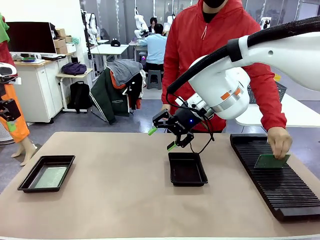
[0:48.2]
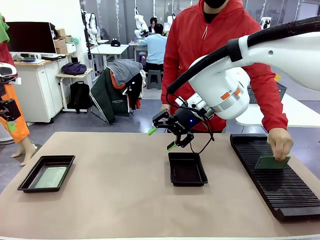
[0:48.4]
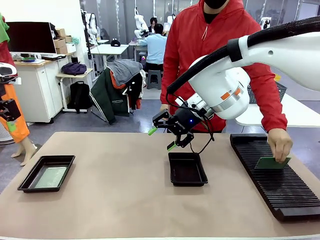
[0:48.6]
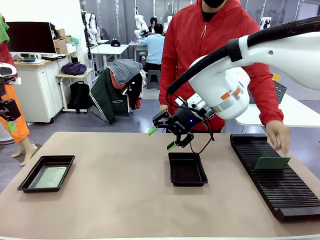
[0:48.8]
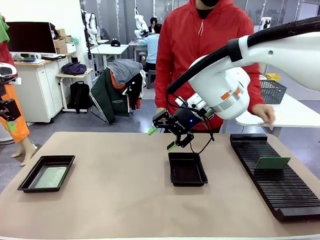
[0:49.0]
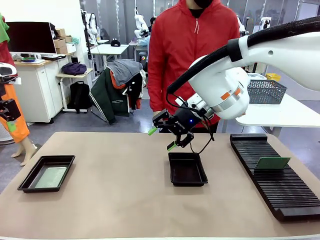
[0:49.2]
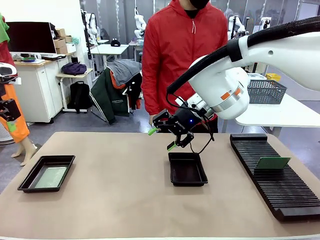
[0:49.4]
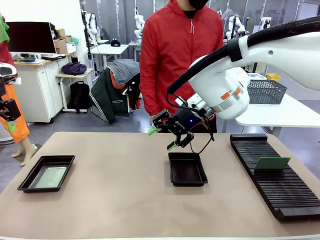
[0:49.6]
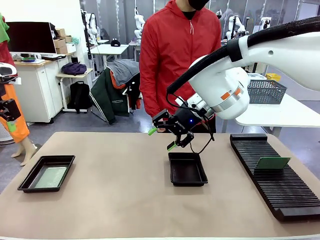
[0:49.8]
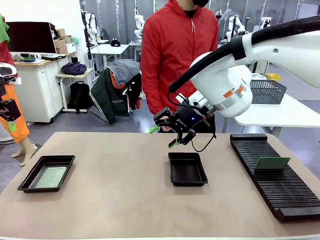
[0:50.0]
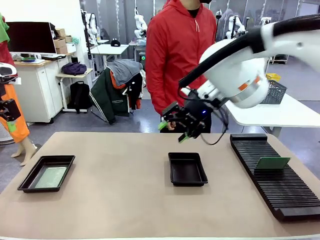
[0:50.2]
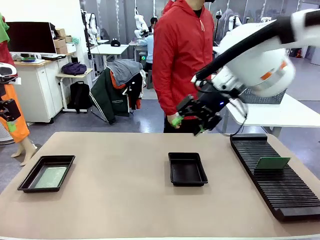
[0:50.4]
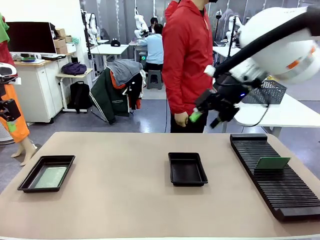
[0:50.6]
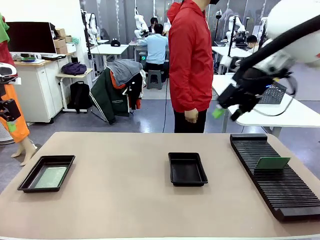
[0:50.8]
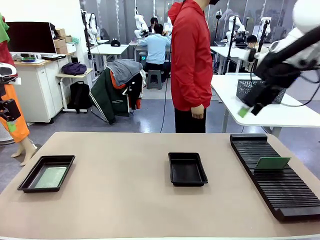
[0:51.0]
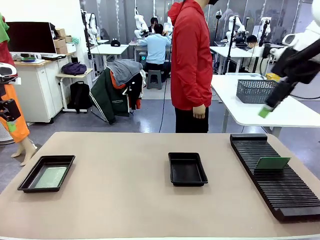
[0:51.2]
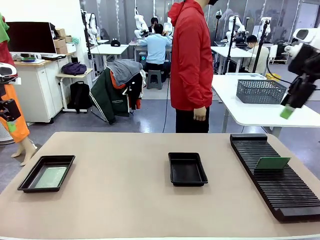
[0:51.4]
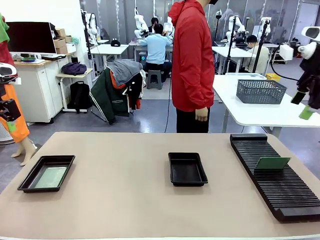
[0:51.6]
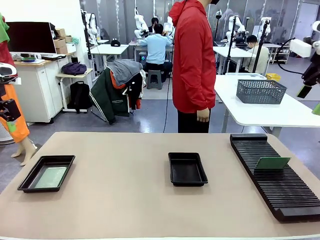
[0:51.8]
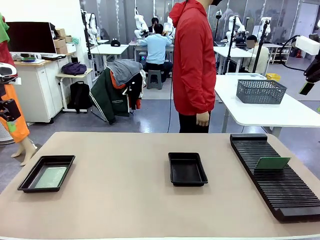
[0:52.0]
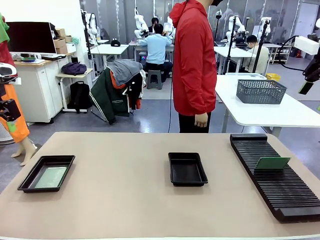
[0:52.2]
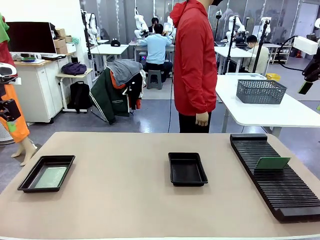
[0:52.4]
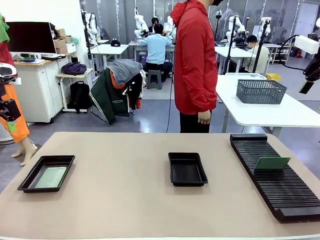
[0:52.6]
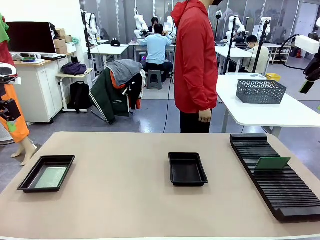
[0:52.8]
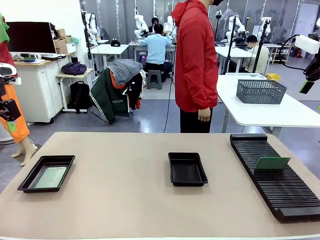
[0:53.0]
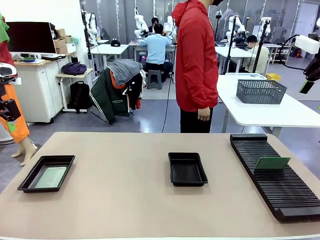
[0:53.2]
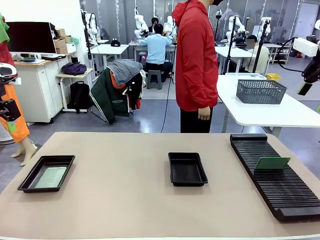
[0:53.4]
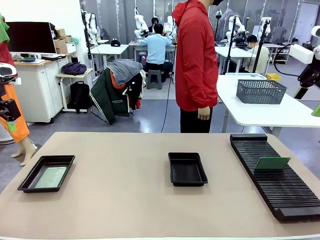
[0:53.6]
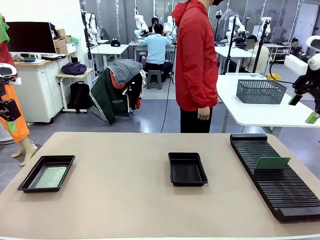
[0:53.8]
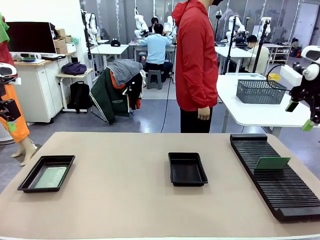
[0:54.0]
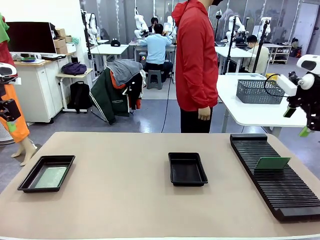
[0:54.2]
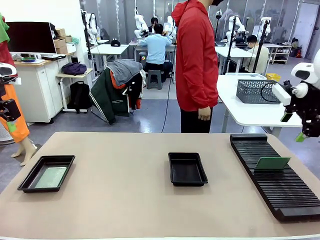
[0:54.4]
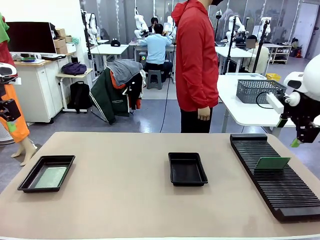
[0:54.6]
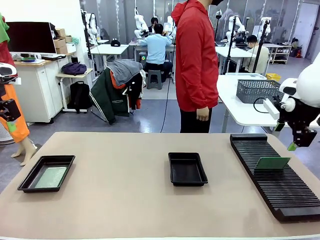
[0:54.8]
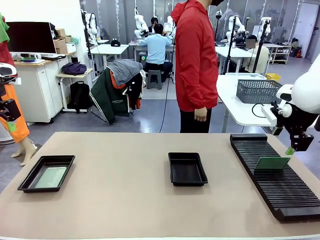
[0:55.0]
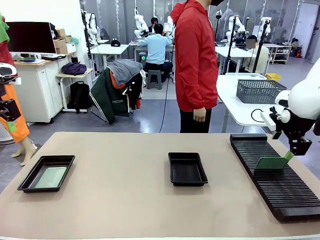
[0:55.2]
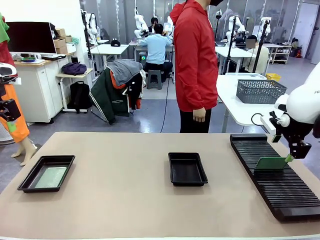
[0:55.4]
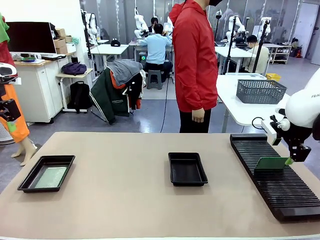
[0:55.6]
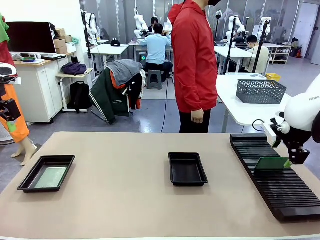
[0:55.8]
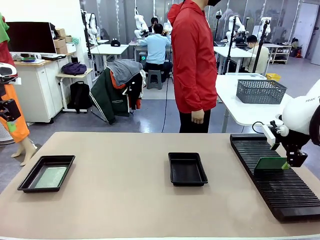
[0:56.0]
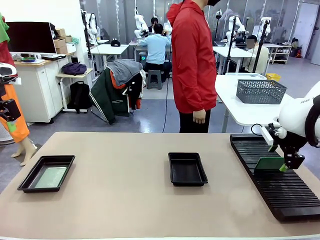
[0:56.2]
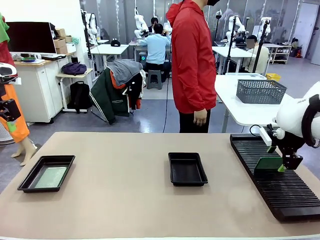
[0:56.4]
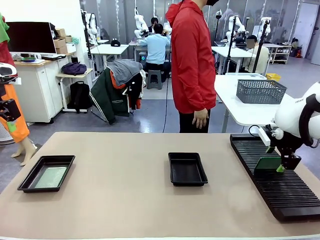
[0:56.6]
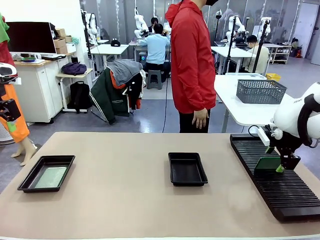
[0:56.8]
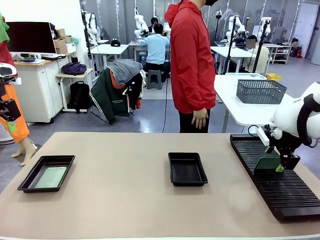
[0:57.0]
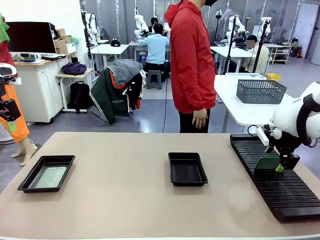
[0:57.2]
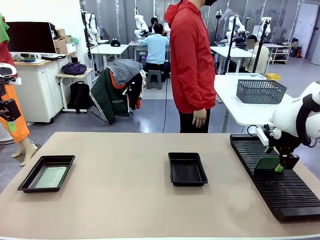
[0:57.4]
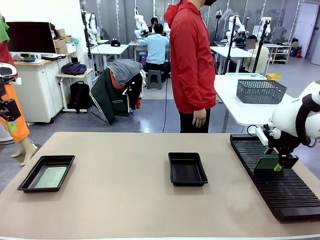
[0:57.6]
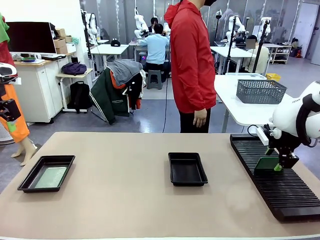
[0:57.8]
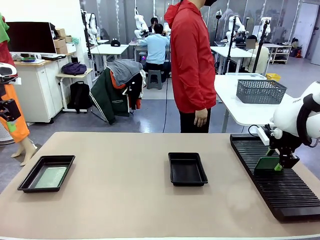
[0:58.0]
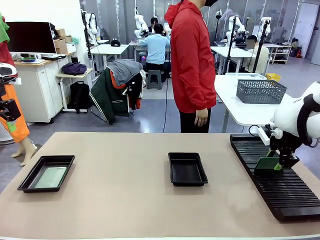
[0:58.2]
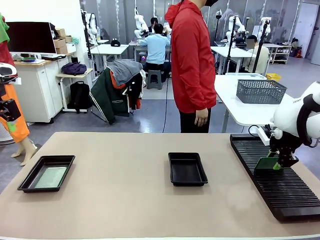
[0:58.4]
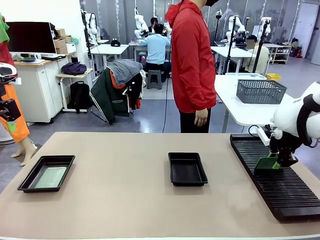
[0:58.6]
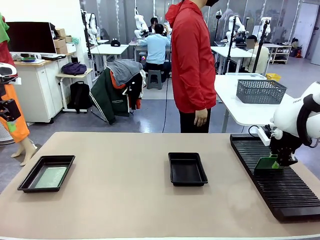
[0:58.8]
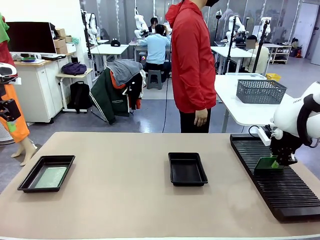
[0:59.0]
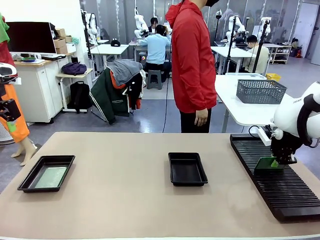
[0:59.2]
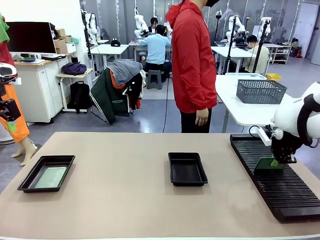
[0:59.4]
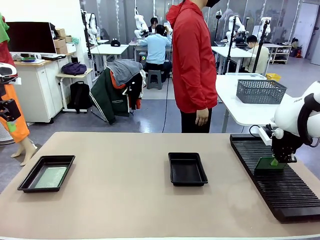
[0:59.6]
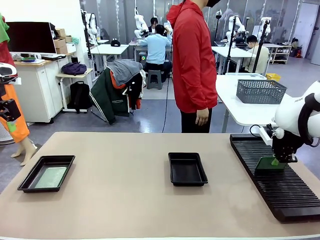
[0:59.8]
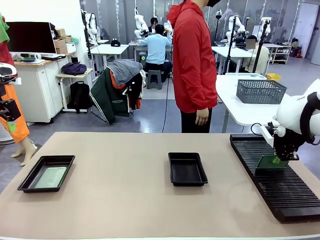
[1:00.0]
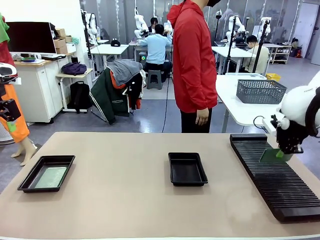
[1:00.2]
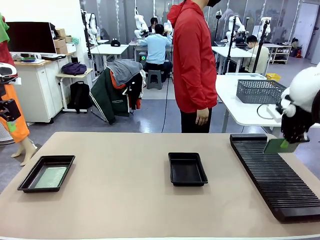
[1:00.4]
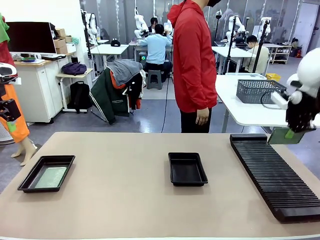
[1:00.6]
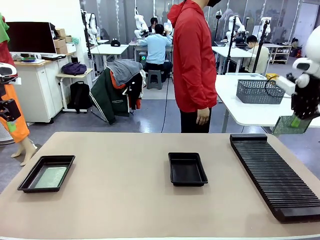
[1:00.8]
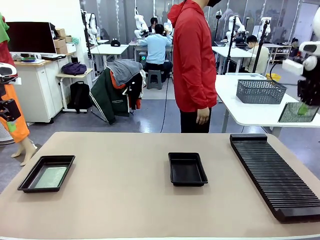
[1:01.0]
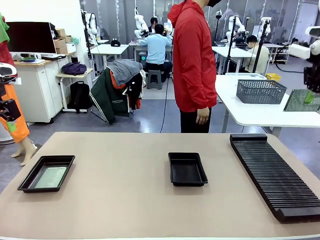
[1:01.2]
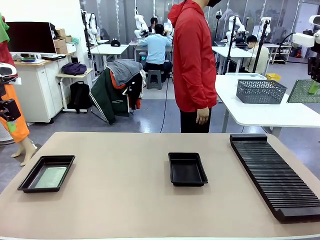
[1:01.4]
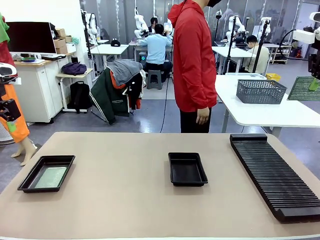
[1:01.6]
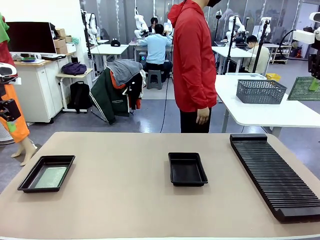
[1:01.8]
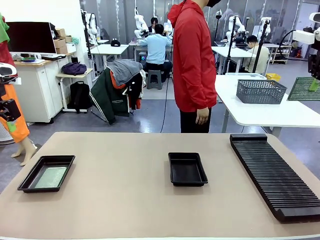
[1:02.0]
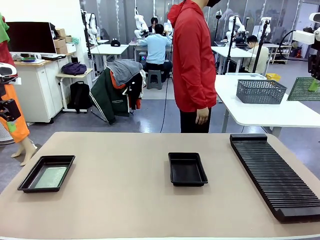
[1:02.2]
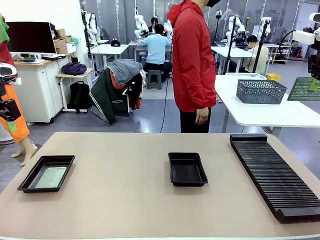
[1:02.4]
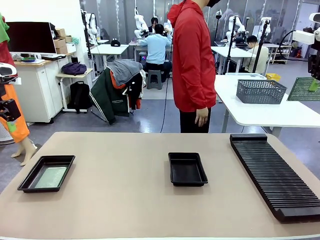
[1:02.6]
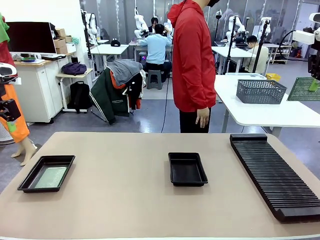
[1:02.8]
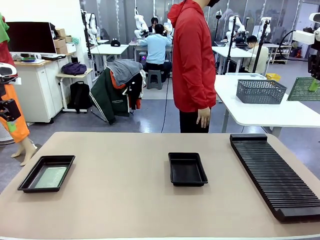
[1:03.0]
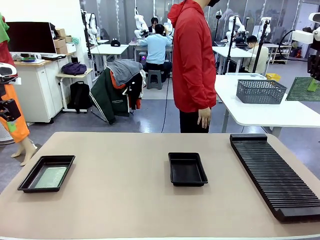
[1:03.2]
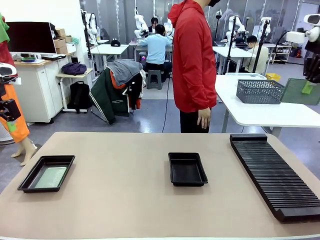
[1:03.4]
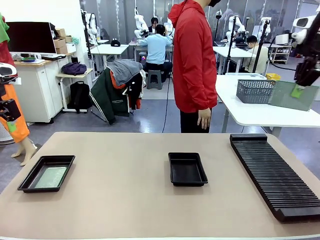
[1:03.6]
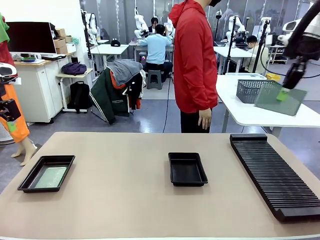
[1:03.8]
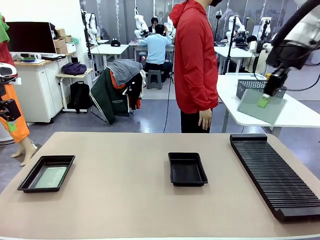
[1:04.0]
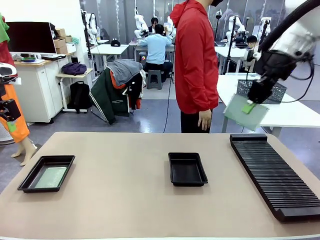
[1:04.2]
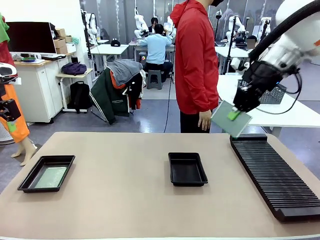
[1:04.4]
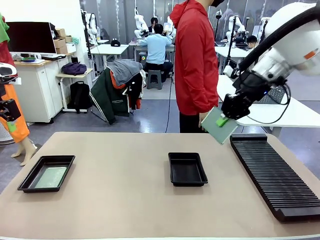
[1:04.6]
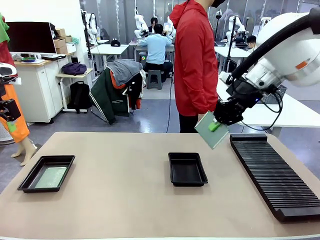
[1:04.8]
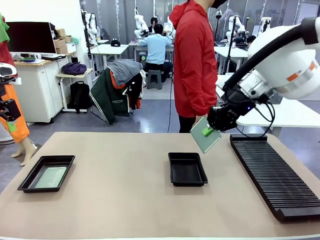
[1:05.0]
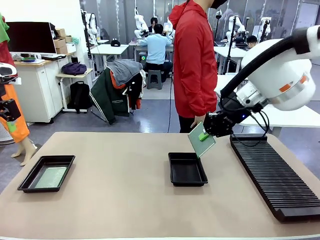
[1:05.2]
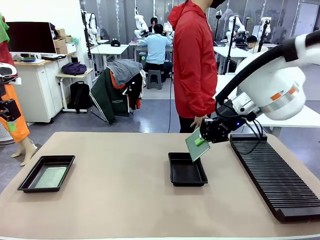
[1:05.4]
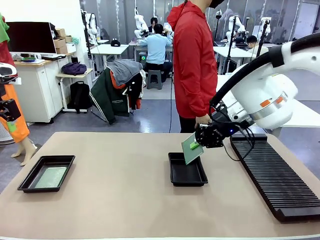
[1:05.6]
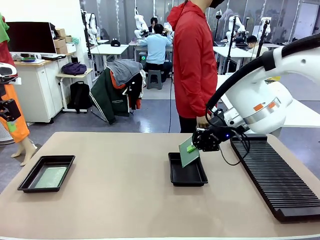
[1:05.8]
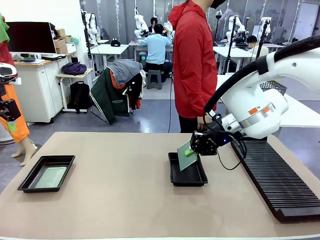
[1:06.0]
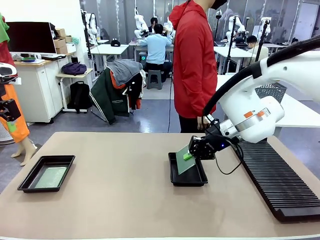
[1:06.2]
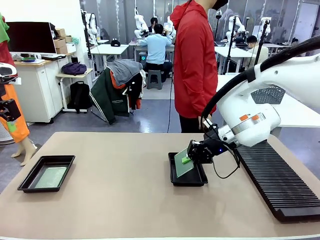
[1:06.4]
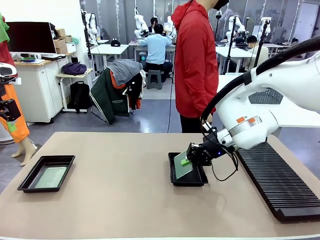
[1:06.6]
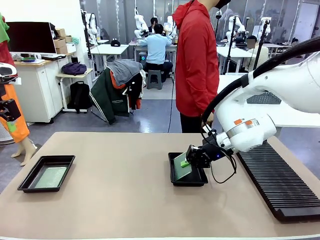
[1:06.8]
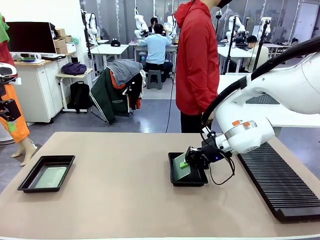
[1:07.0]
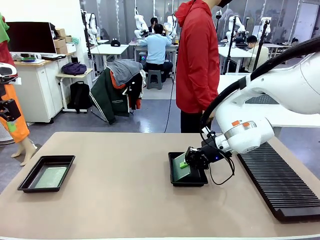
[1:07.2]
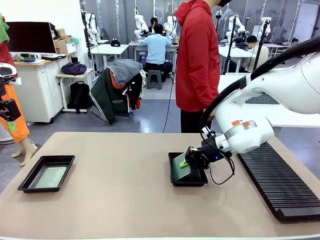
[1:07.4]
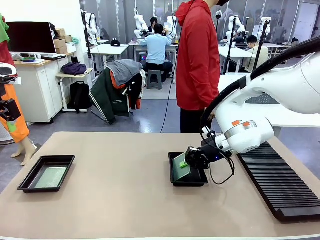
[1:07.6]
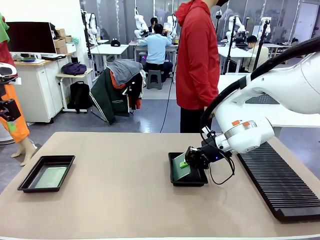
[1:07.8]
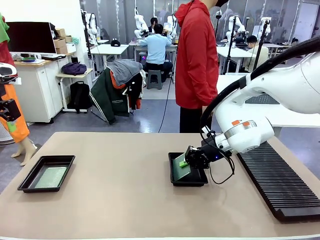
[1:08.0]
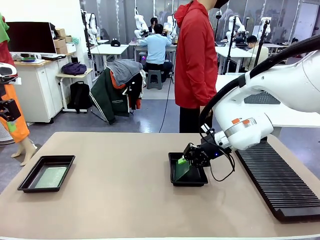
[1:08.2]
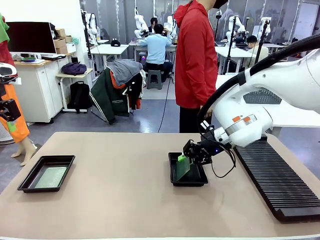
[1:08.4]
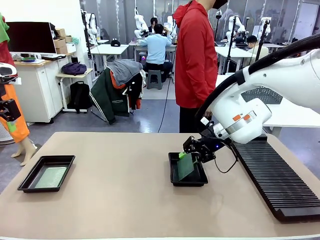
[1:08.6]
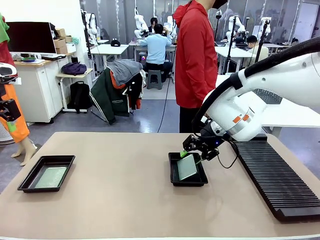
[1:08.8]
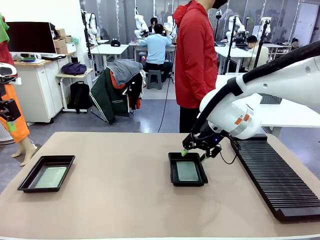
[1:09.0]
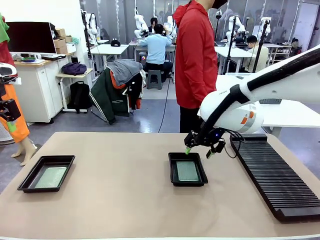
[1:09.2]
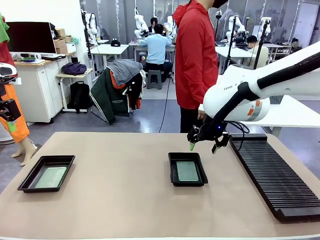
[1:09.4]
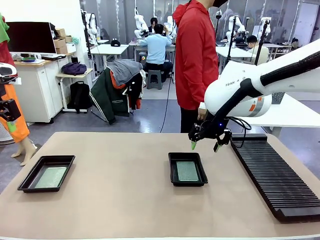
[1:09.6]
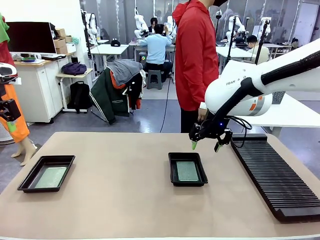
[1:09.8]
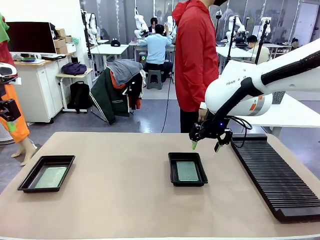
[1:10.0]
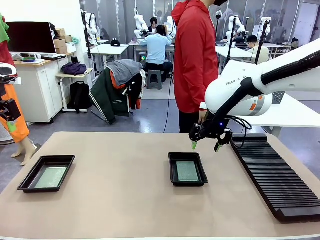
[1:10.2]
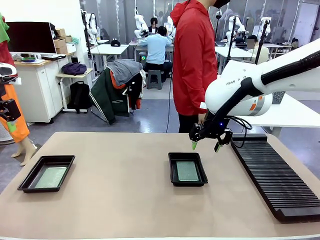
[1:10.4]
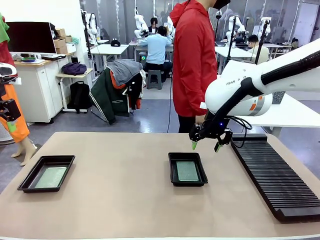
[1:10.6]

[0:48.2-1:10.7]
Task: Inspect and transfer BCBs to ESD trays.
Robot: Pick up the Blank PCB from the PCB Rack and place it in the right ESD tray.
